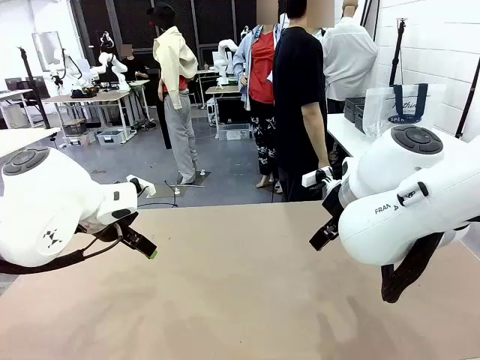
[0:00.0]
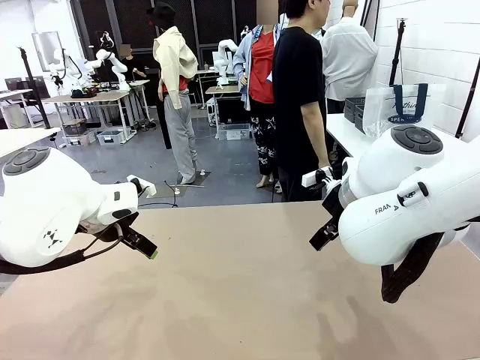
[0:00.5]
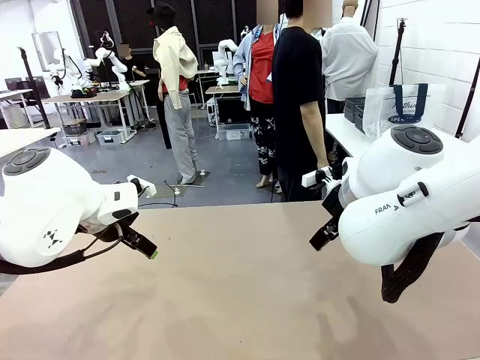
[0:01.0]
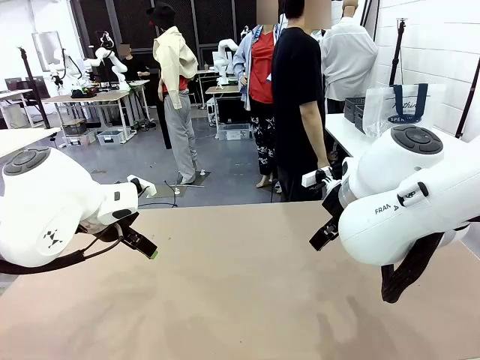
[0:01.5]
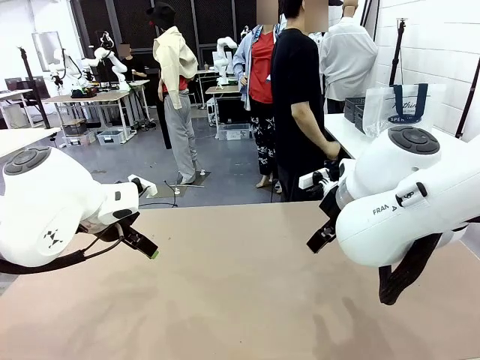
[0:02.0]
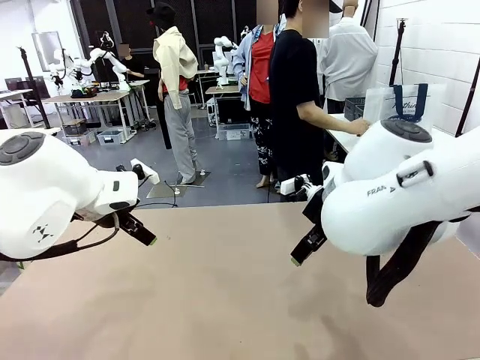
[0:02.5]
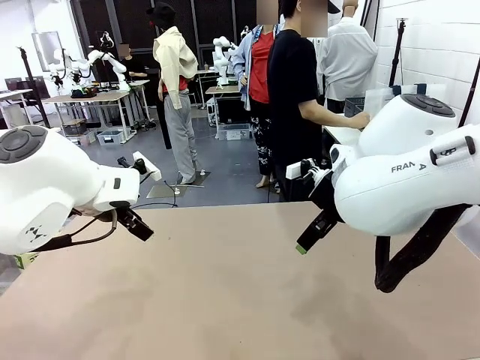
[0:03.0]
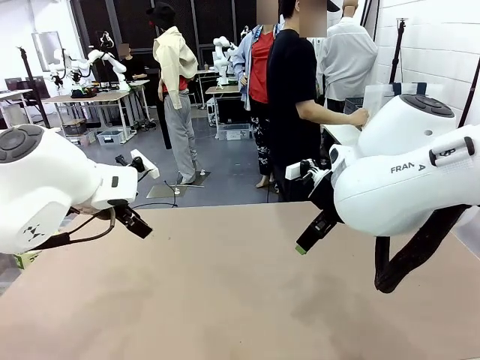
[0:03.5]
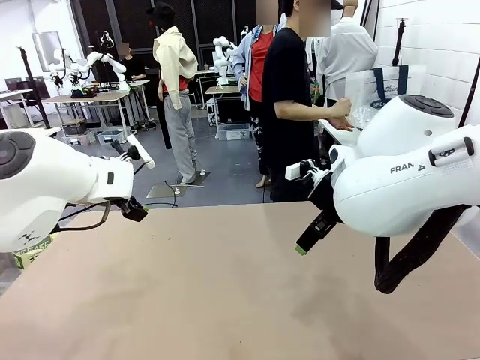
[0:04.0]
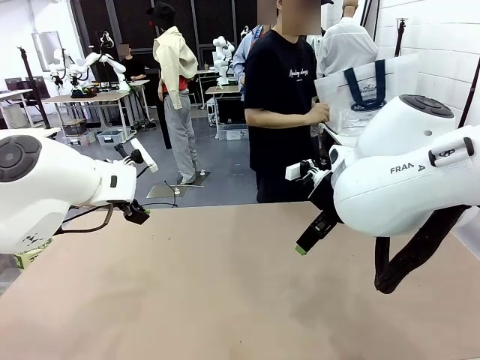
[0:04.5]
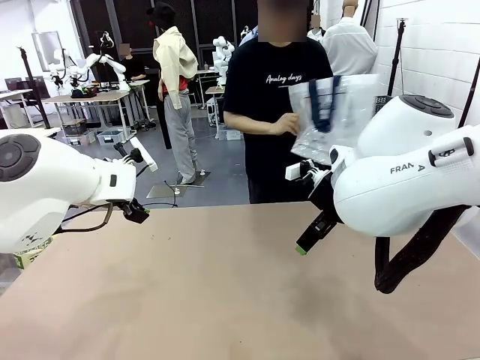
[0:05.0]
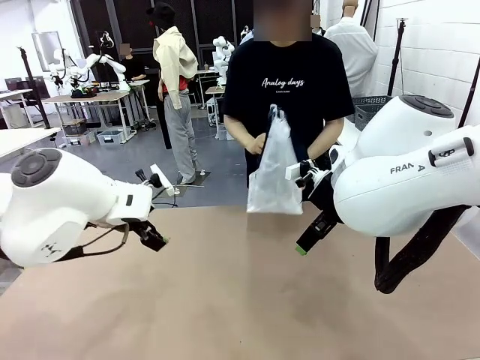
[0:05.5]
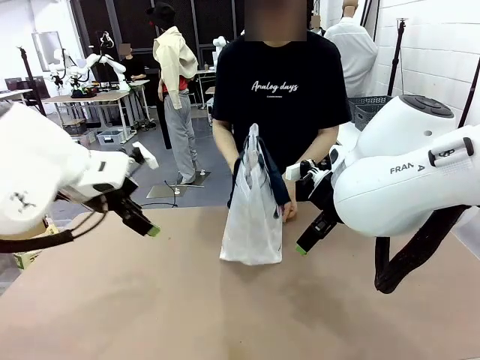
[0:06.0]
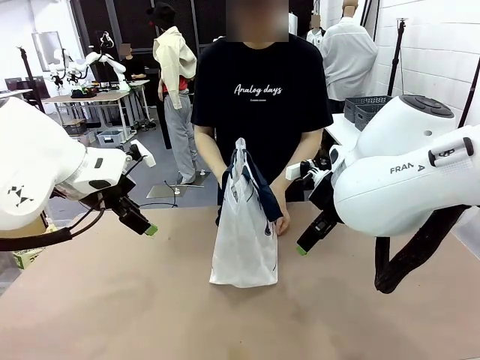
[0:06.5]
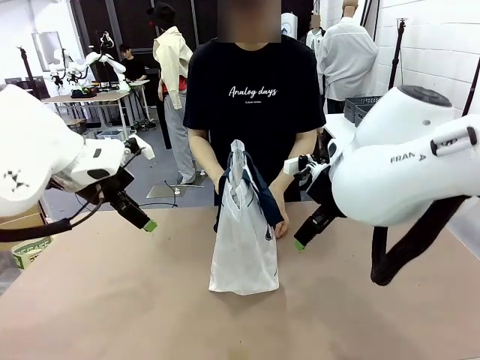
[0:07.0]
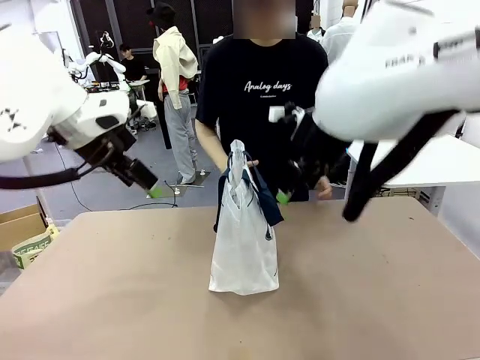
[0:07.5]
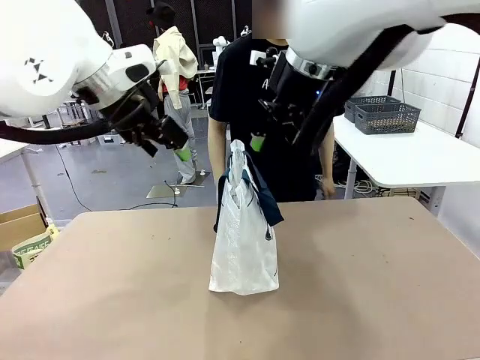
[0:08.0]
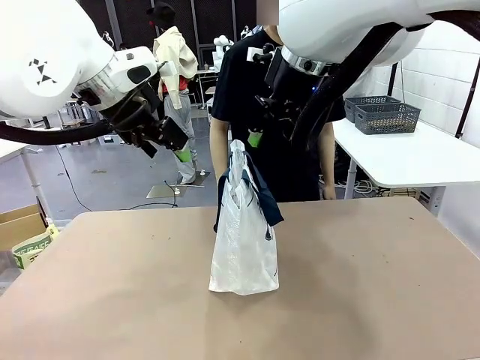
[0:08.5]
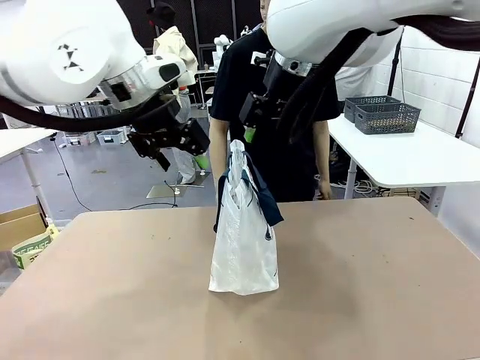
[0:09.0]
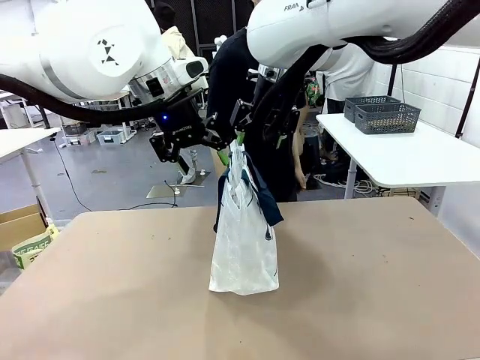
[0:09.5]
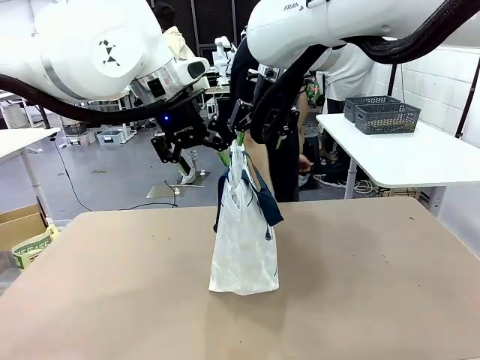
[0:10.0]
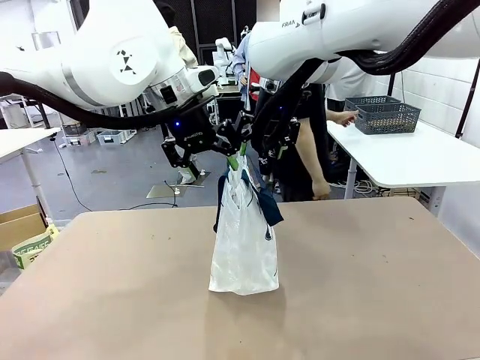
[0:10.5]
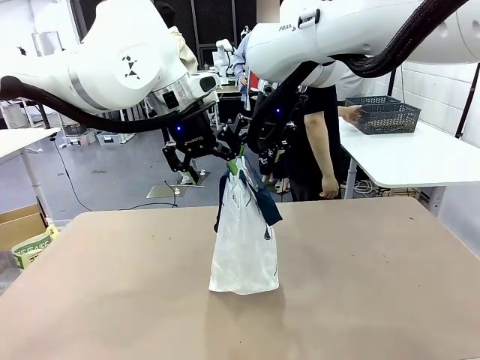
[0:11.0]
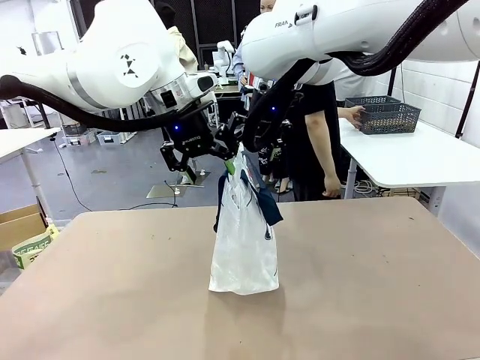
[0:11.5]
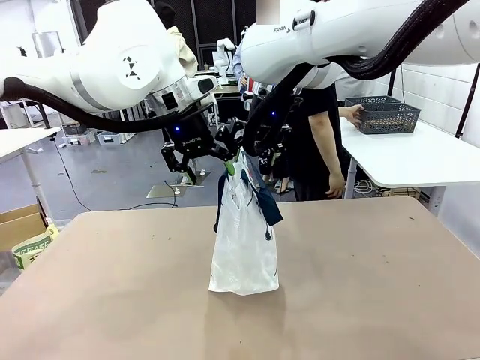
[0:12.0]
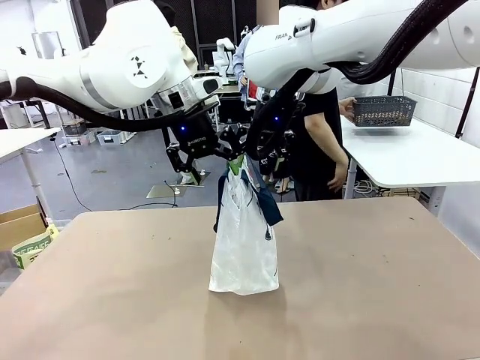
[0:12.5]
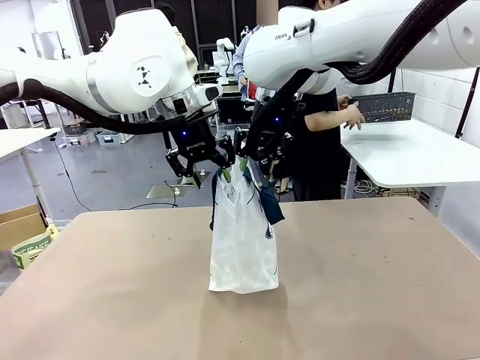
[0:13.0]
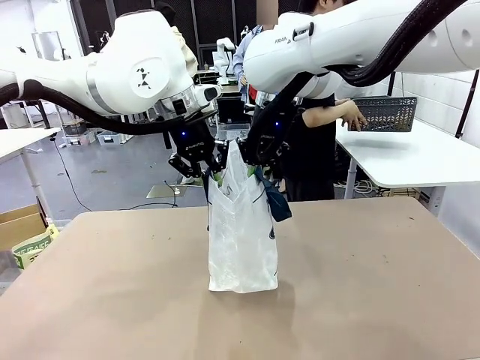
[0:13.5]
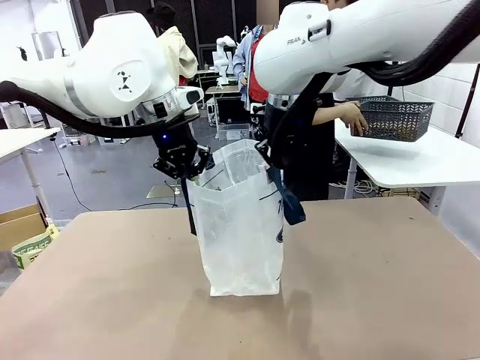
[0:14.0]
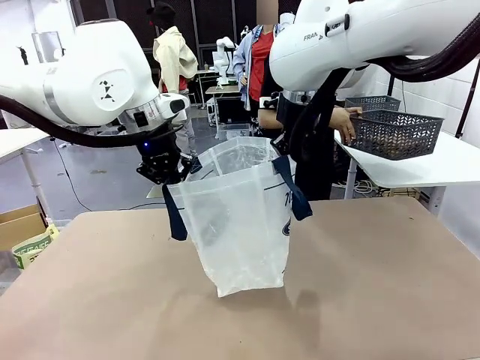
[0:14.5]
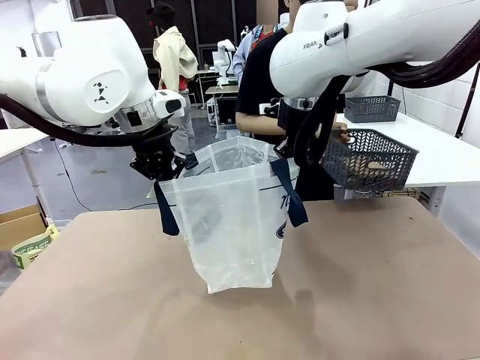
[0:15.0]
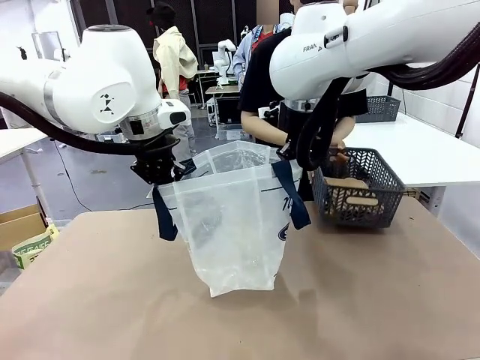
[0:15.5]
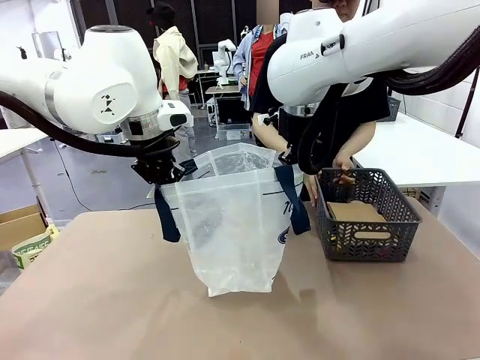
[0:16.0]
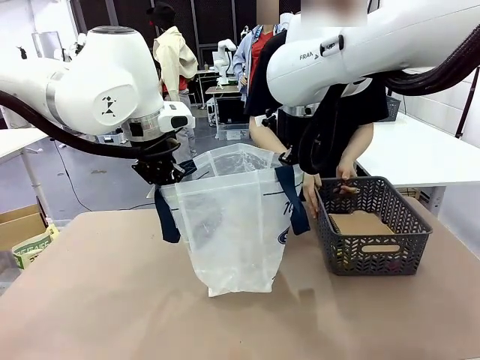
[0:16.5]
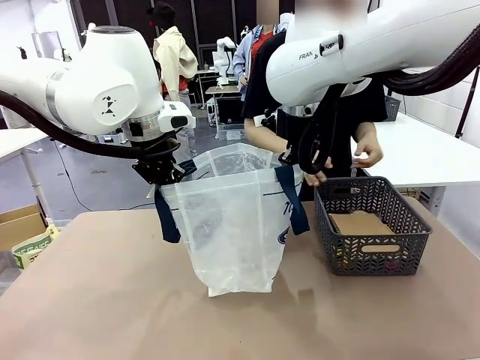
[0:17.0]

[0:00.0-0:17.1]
Task: Transfer purchased items from the store into the shopping bag.
Robot: Open the Reusable shopping bag in the center of the table.
Person: Pick up the shopping bag and place it in the middle of the robot table.
